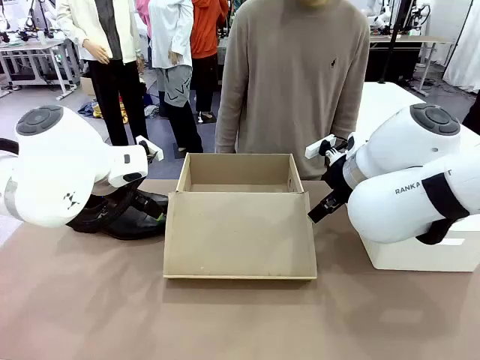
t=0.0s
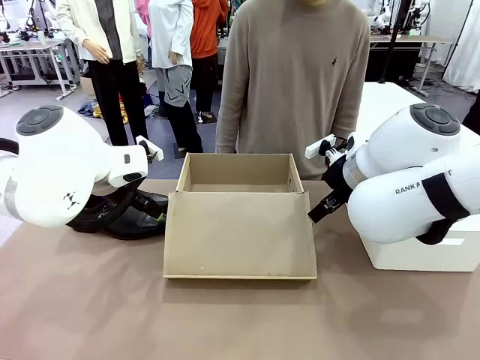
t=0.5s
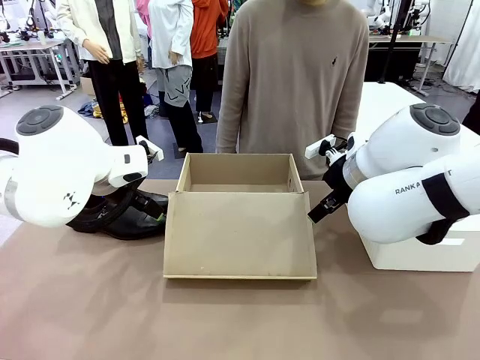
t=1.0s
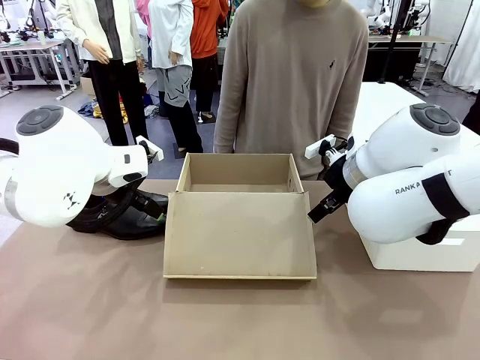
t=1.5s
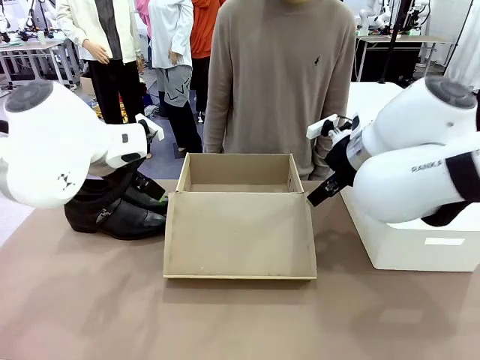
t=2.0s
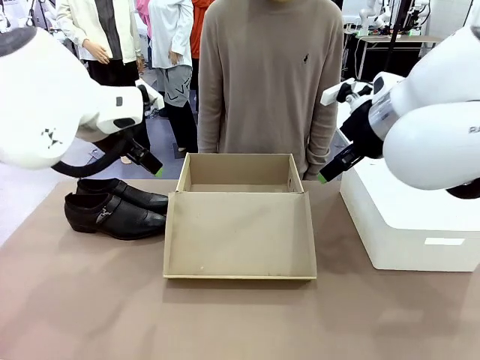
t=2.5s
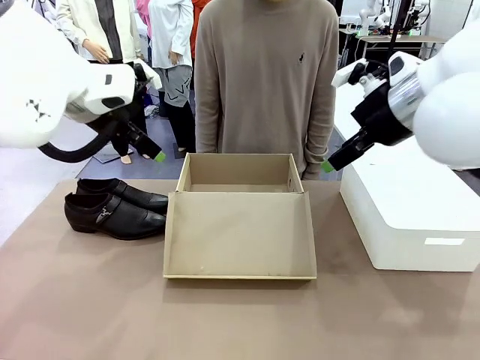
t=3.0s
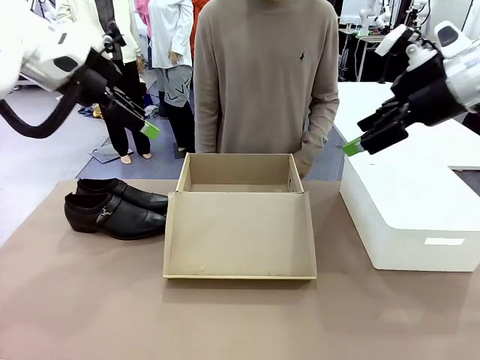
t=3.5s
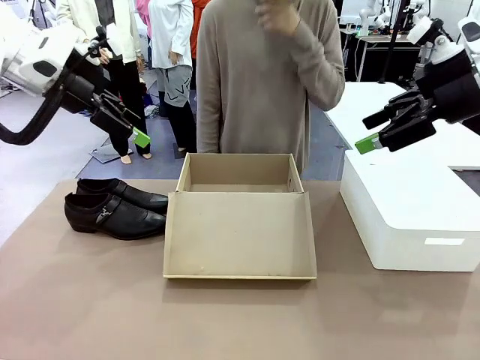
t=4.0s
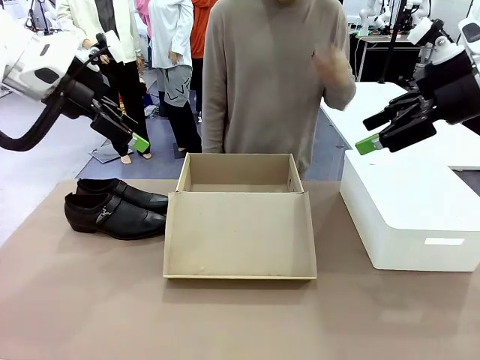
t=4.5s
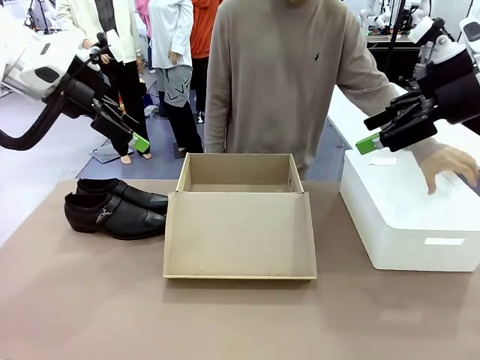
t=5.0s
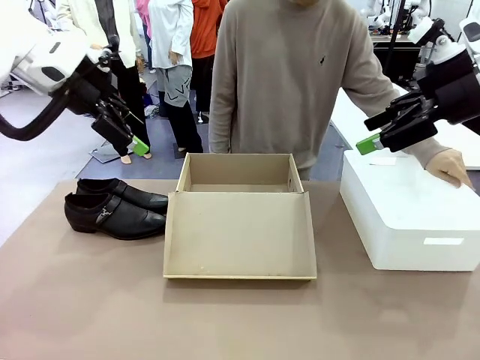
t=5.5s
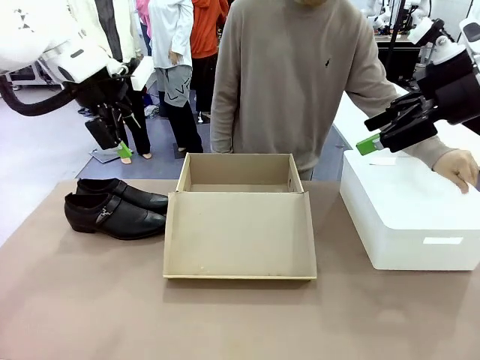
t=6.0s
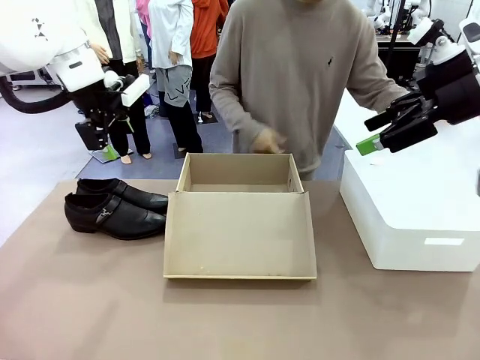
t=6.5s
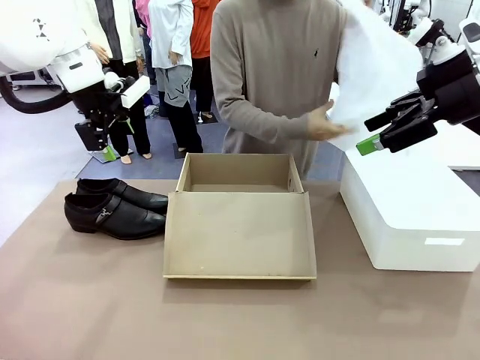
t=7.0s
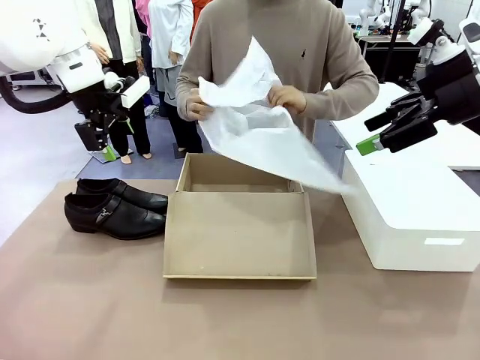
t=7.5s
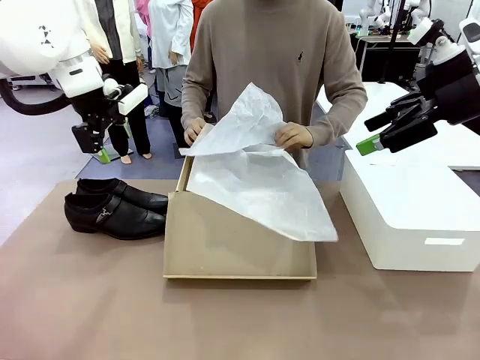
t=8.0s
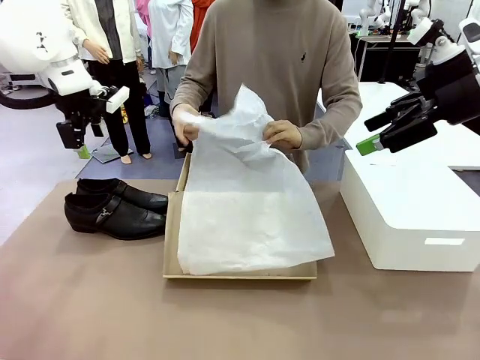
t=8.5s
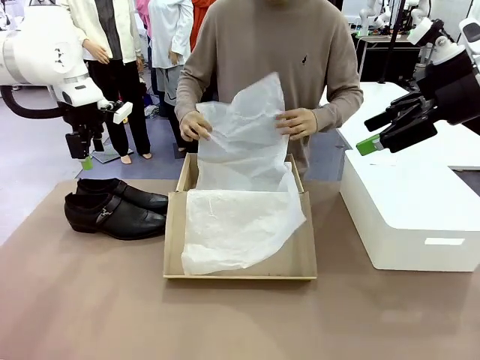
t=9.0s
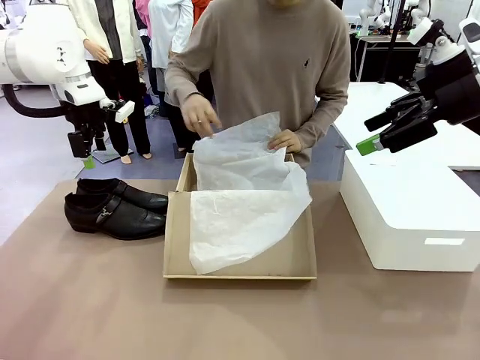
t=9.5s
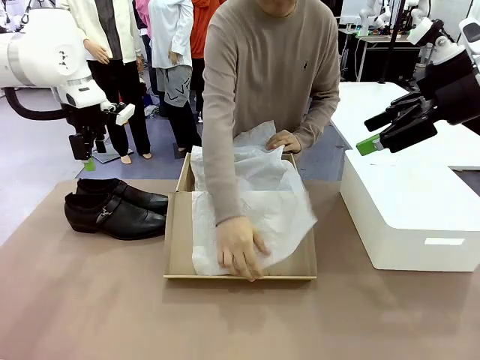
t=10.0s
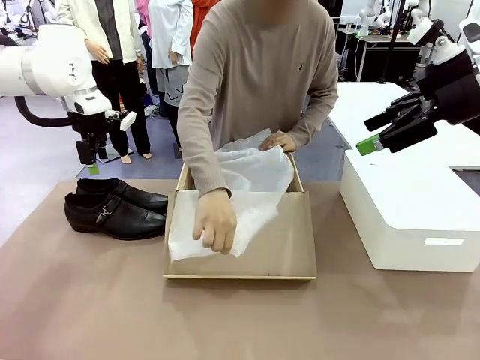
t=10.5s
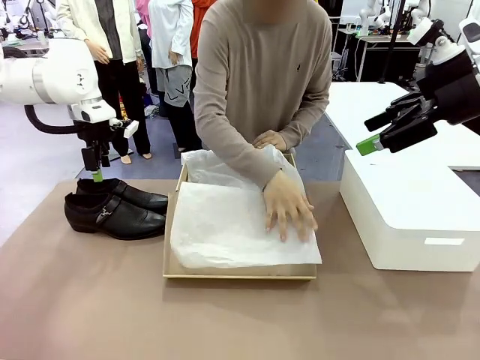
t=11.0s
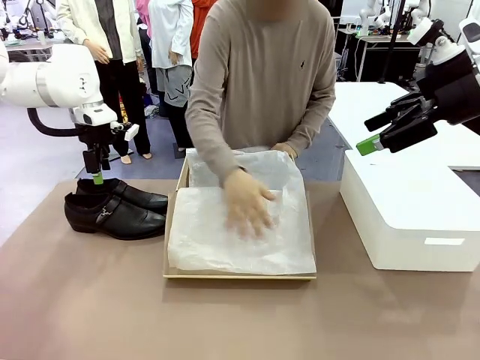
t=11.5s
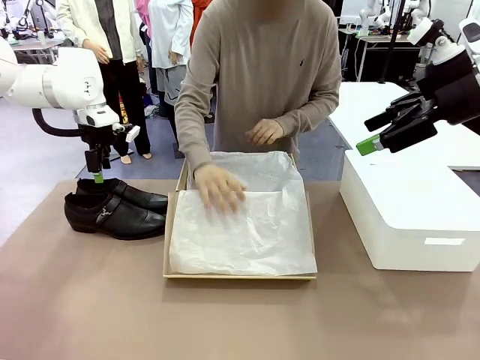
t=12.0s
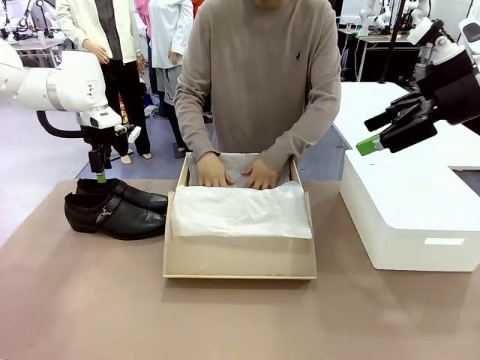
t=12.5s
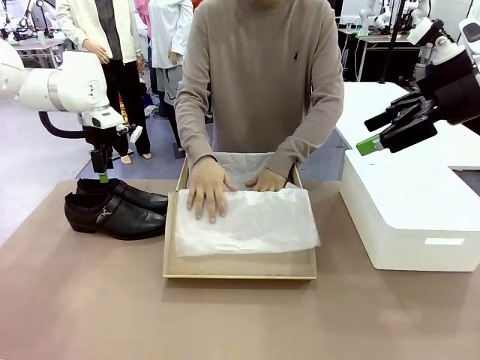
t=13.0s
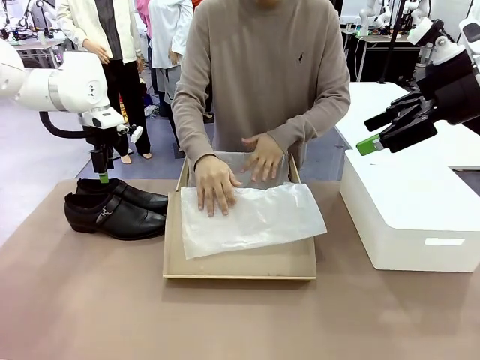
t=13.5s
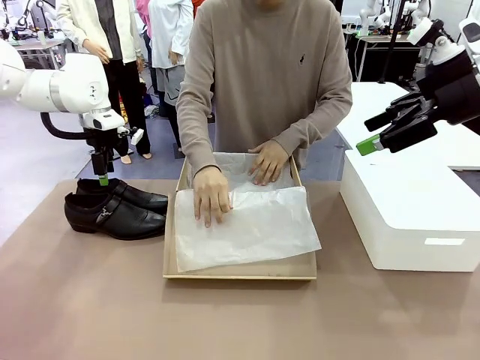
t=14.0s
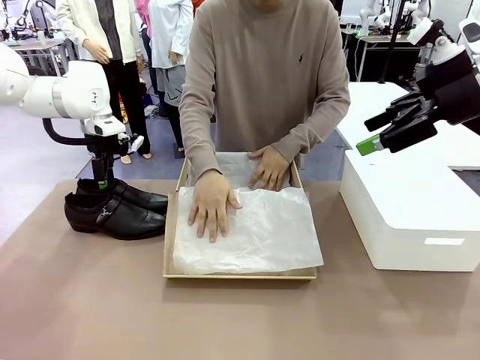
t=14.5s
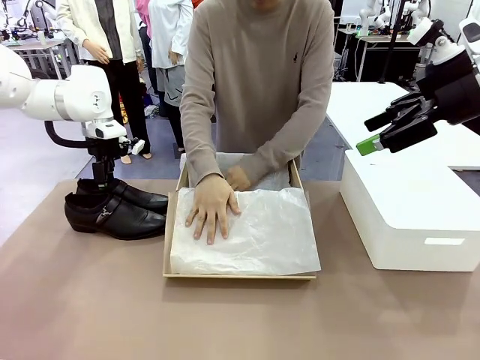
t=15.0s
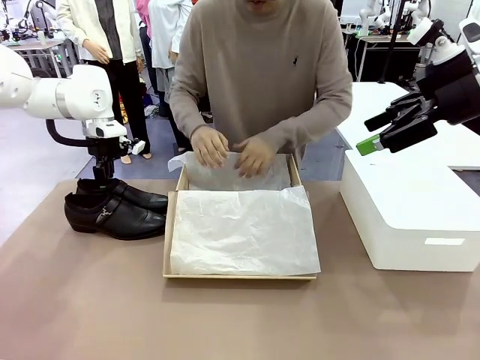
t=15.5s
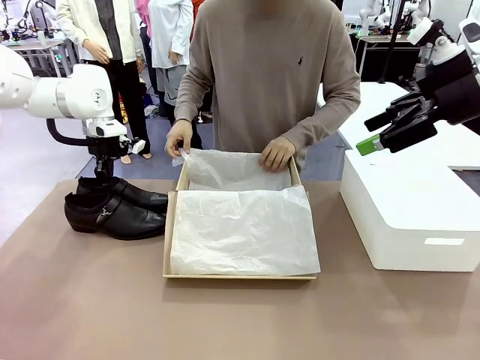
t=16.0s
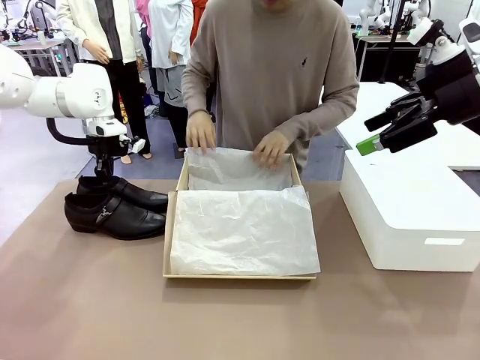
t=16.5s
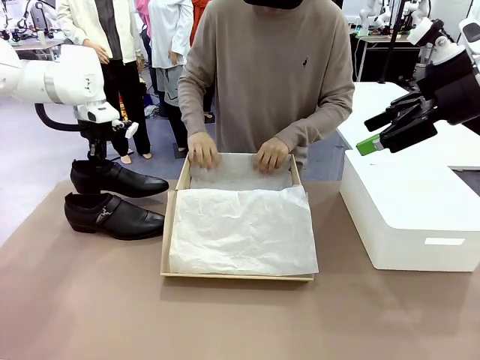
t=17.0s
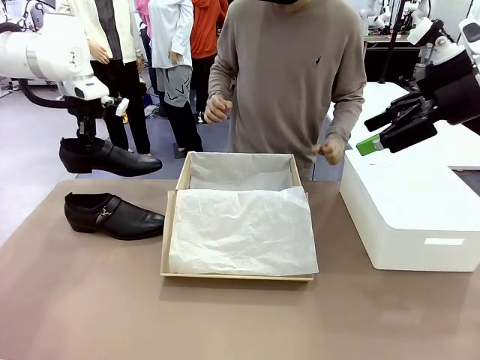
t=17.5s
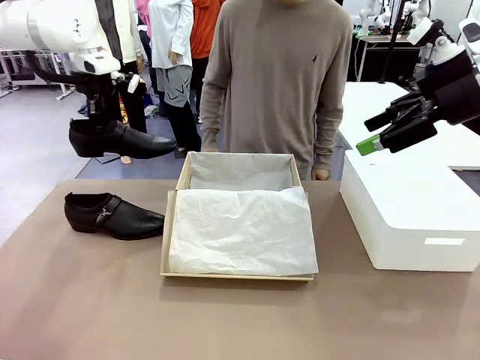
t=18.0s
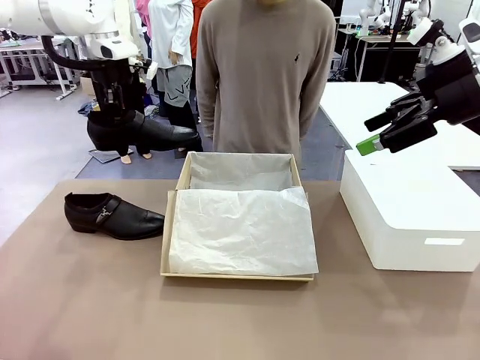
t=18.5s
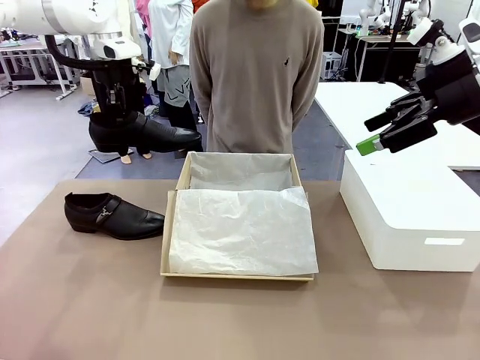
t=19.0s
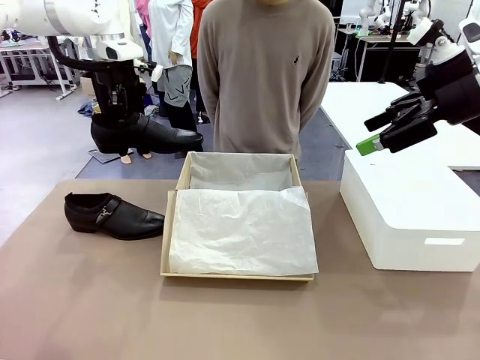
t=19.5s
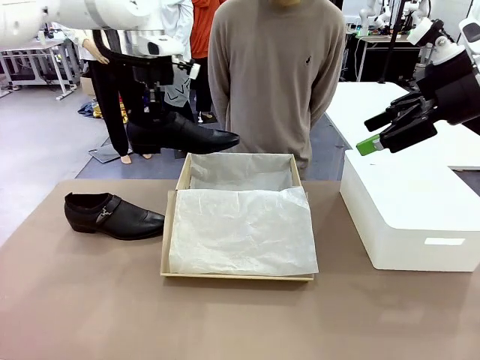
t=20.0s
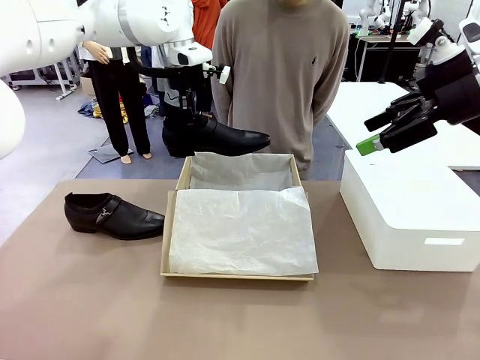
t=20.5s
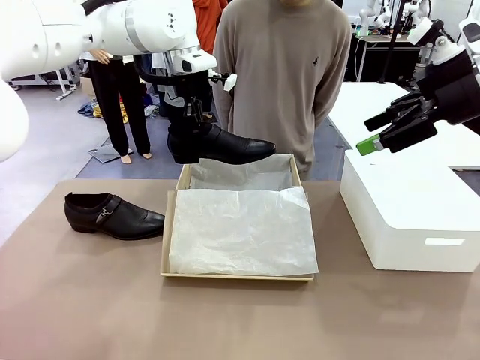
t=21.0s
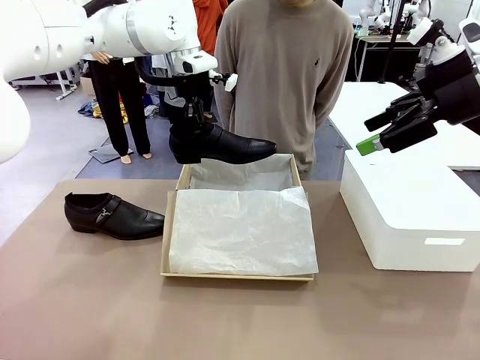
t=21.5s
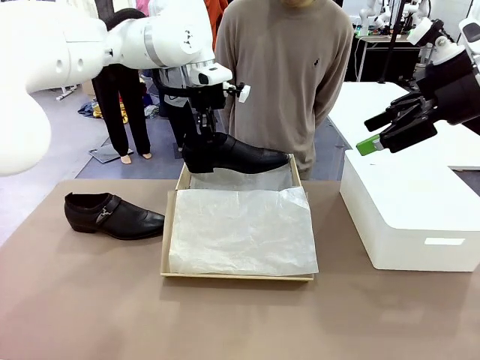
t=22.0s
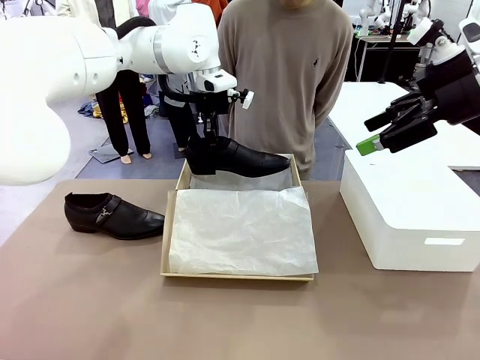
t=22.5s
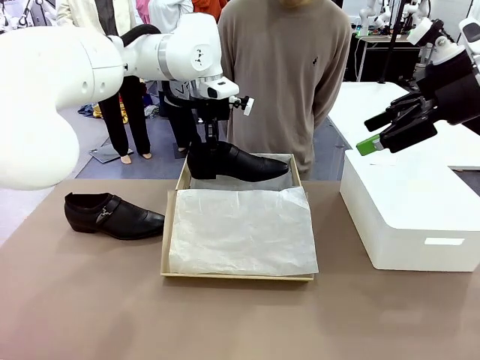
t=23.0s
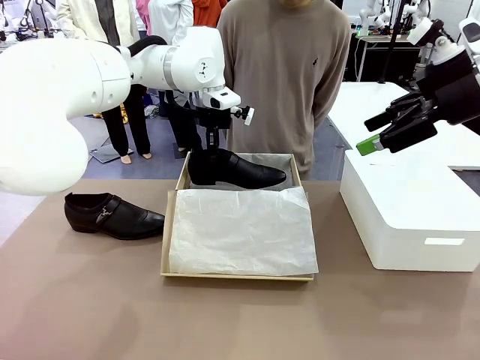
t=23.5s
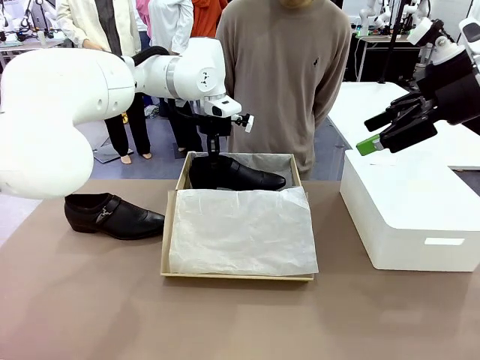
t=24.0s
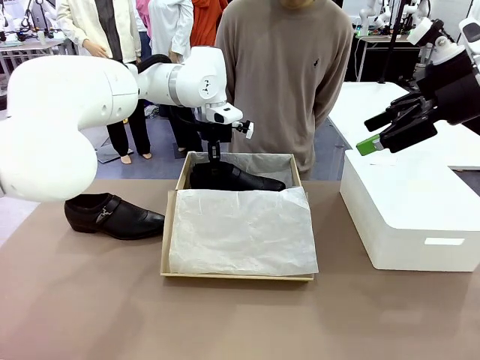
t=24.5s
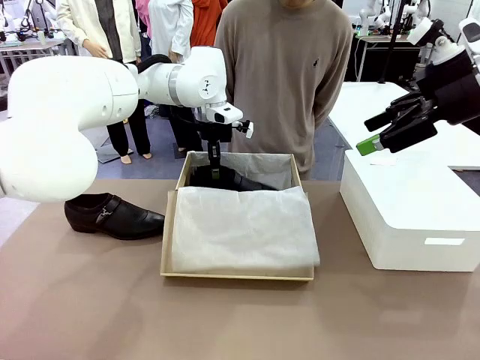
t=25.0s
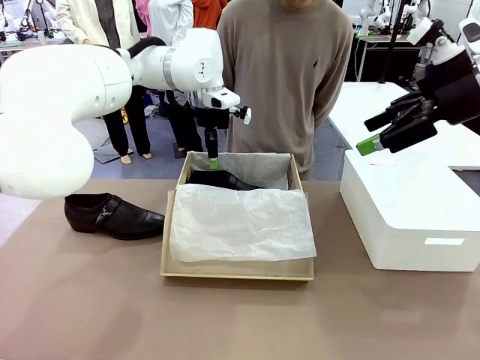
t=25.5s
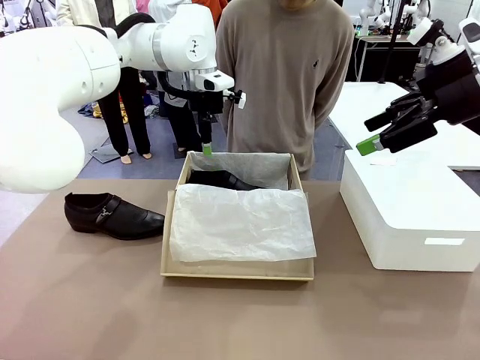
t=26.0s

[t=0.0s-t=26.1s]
Task: Pack the shoes into the box.
Robot: Place one shoe of the Shoes into the Shoes Box.
Person: Spread Shoes Wrapping Paper and place inside the Shoes Box.
